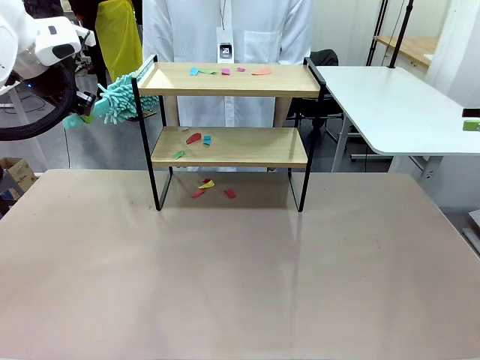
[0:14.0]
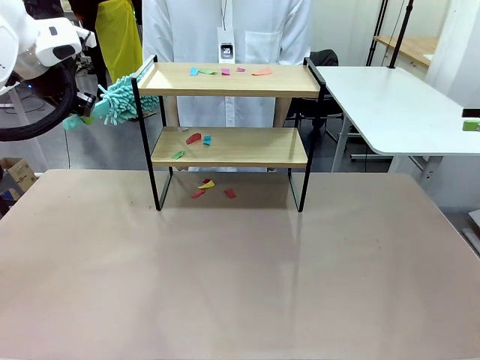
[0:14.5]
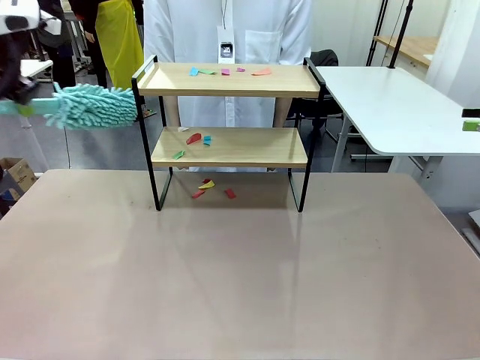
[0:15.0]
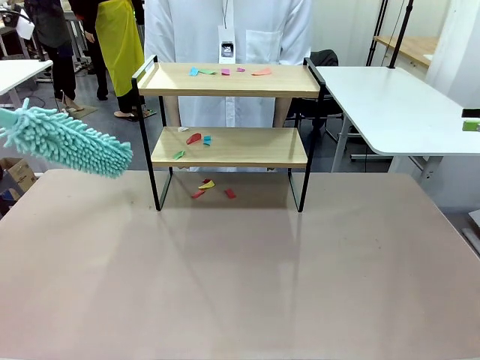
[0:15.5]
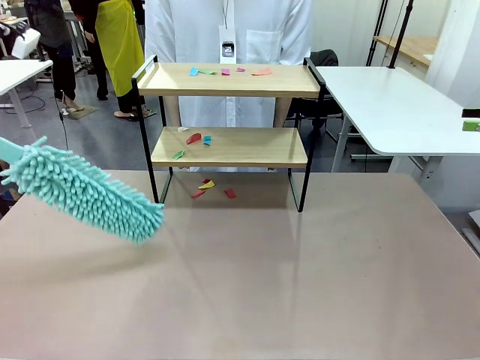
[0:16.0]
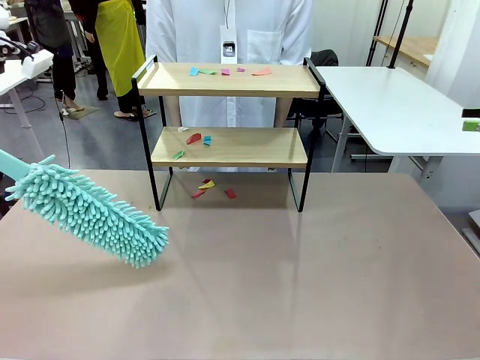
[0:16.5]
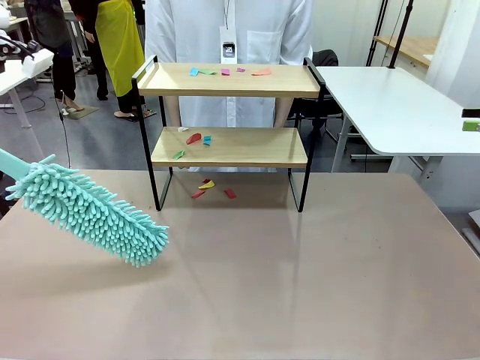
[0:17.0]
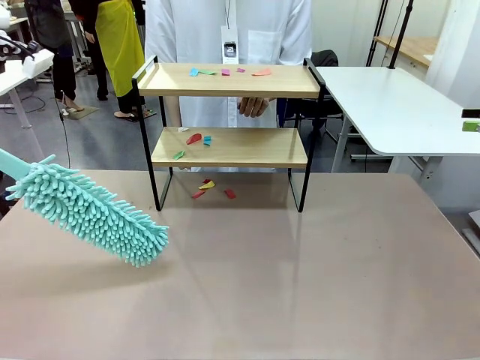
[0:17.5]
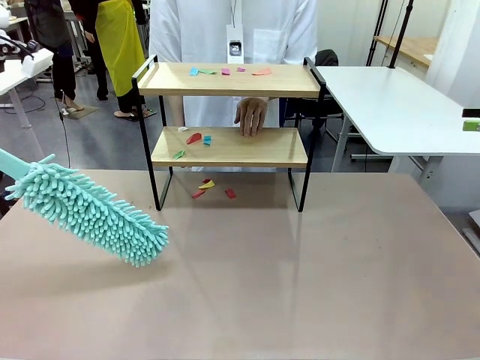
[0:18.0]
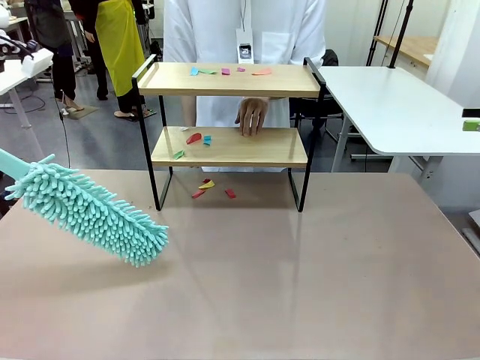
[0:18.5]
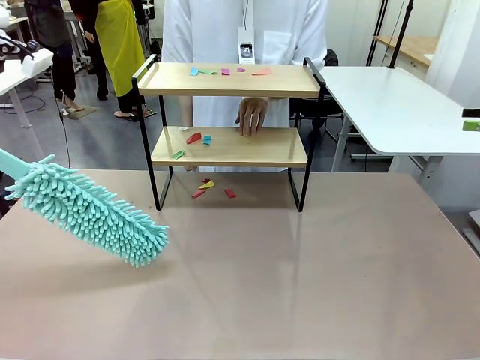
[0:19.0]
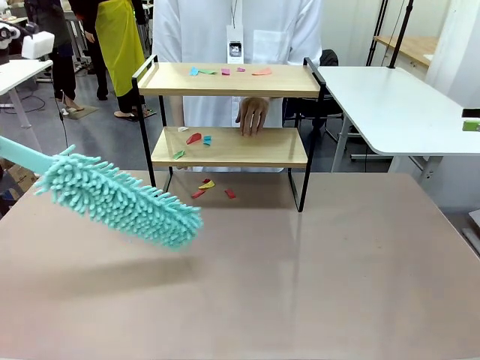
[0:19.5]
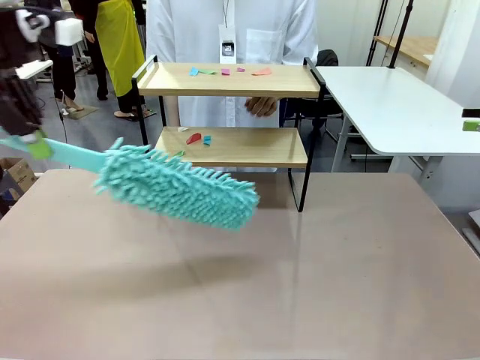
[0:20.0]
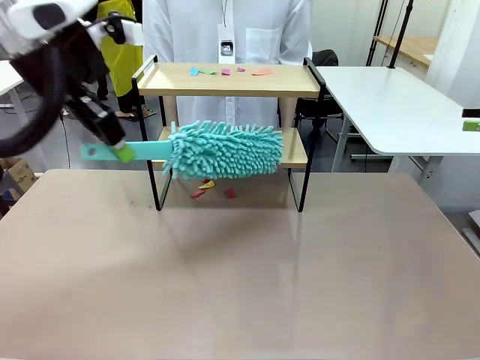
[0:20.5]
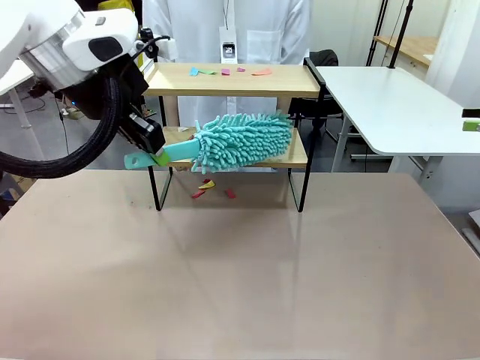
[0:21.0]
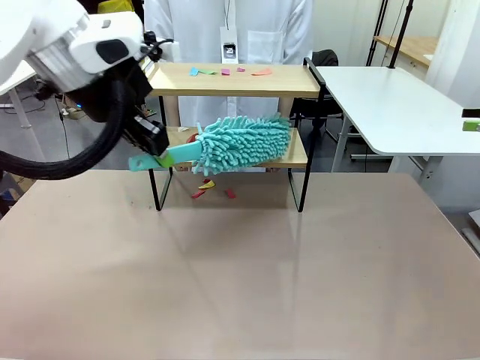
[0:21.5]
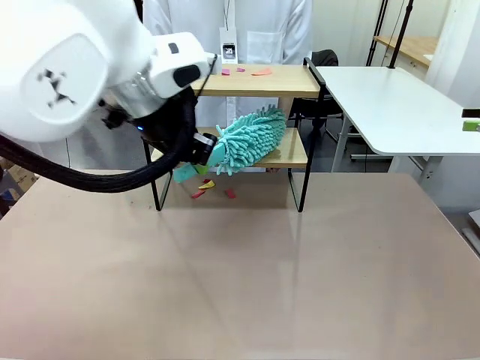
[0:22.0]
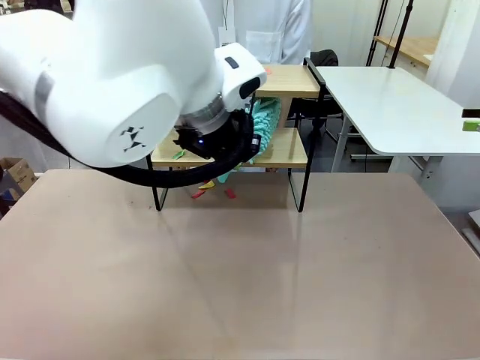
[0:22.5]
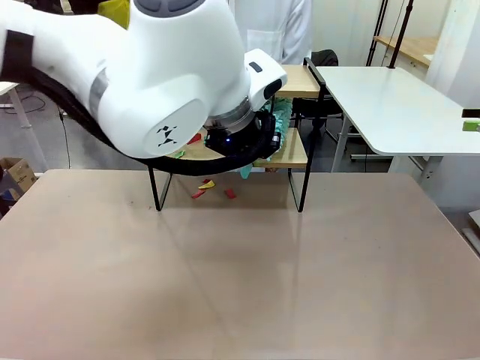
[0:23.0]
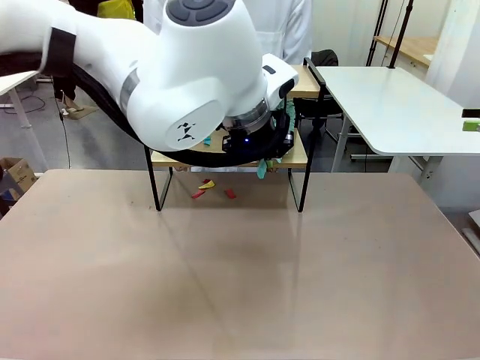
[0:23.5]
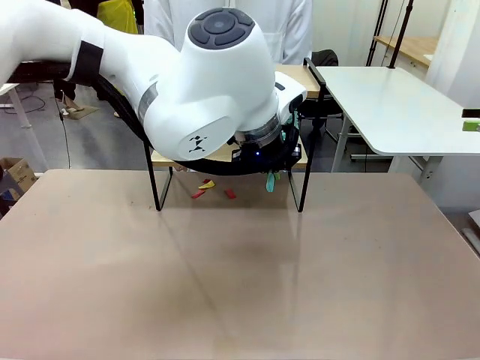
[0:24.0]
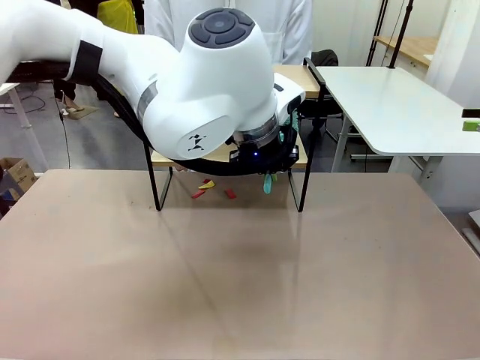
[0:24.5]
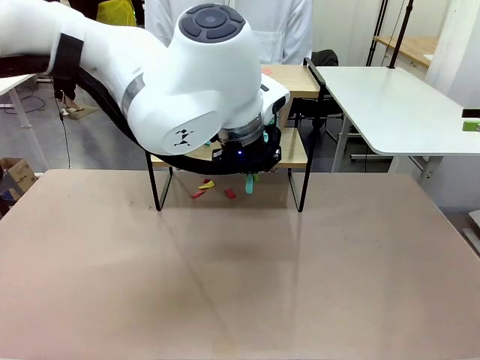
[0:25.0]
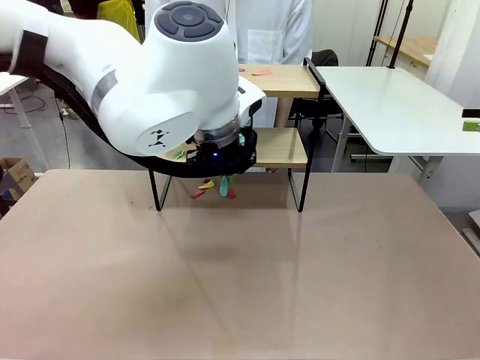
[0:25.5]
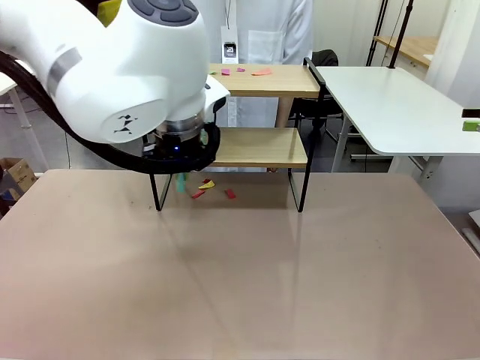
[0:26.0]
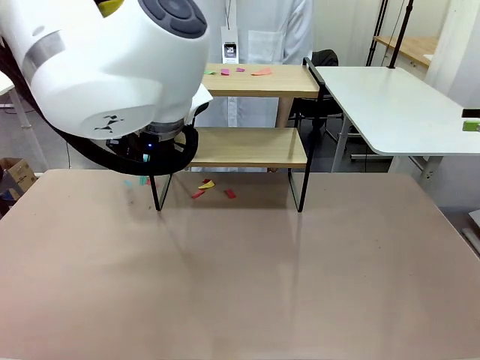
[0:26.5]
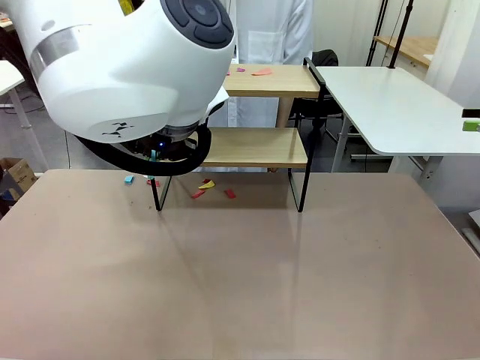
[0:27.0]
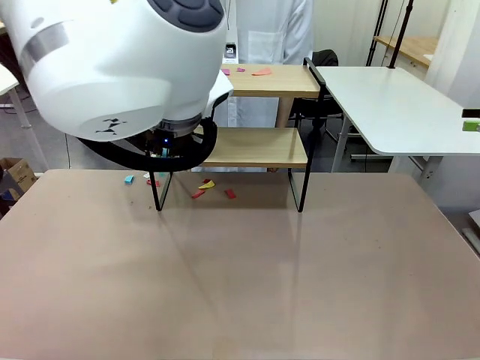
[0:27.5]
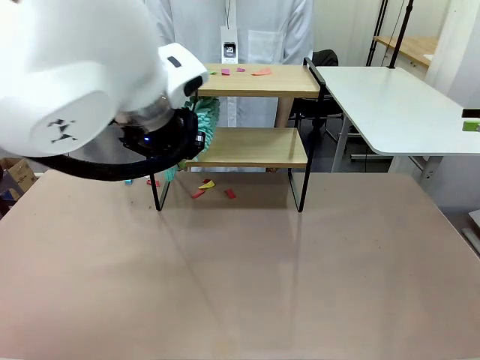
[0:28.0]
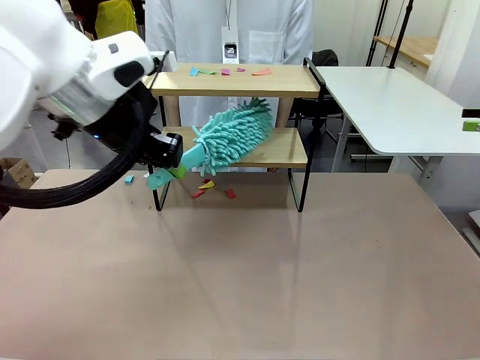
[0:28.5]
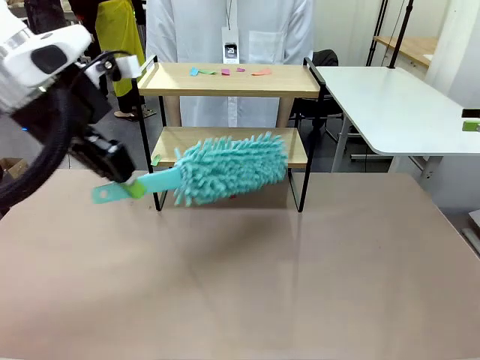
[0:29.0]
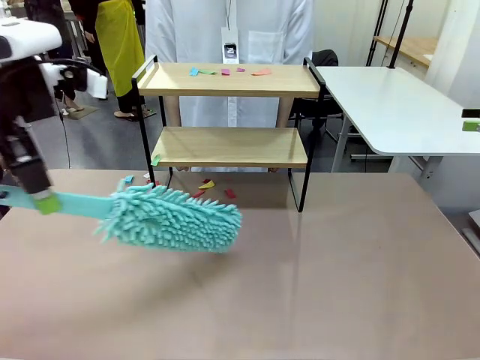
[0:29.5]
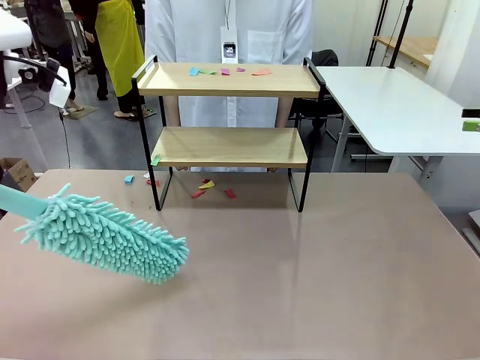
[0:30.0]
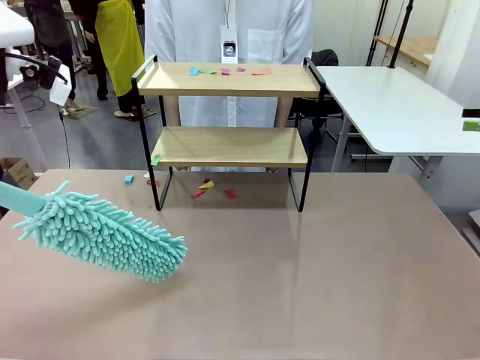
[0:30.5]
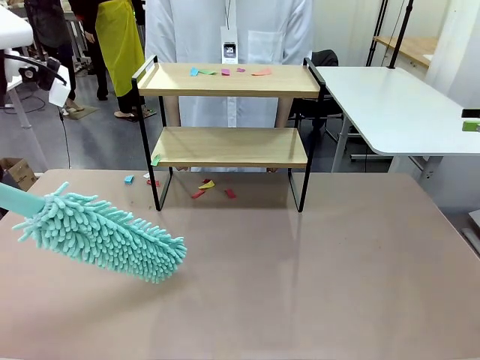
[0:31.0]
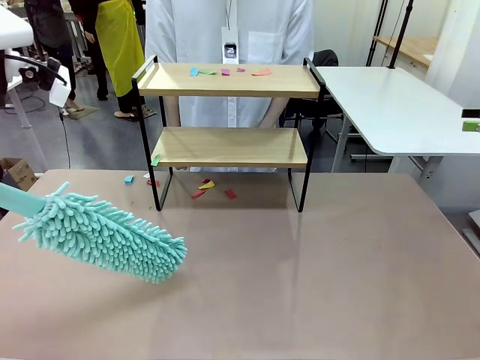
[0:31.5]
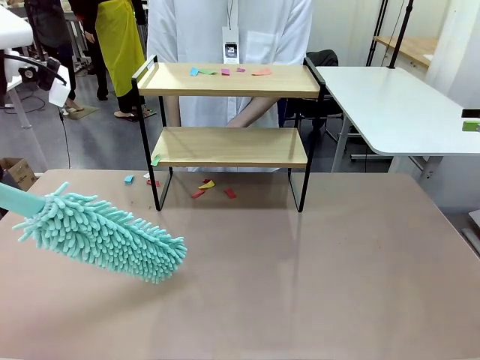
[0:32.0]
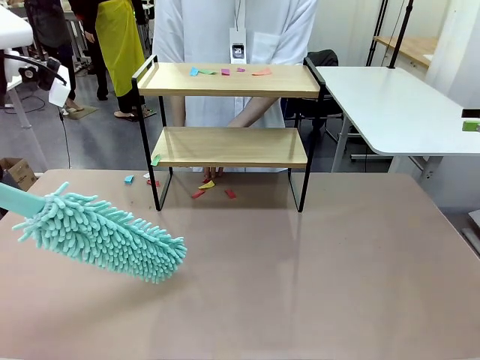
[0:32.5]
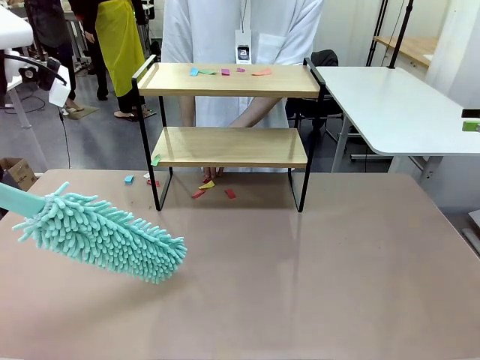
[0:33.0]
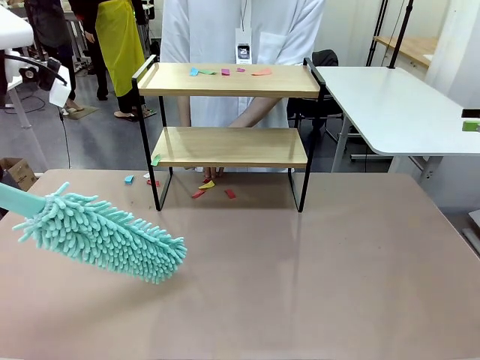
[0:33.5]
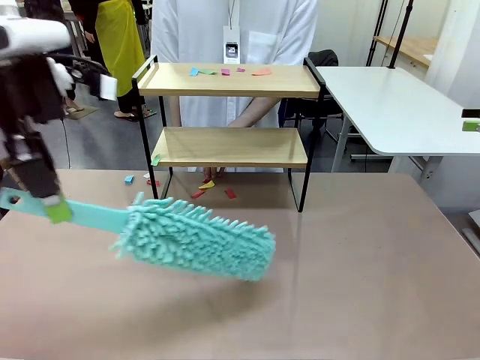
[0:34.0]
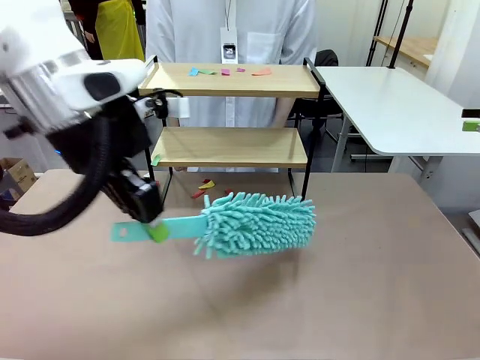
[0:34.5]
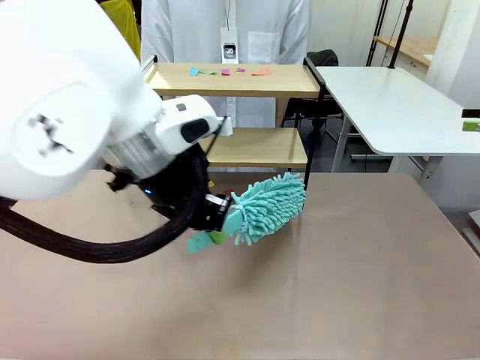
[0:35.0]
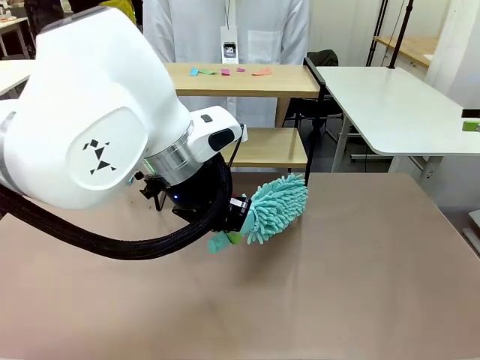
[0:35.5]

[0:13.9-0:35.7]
Task: Clean the shelf.
Robot: Clean the specific section of the Shelf indicated by the human with the Duster.
Person: Point a random section of the Shelf.
